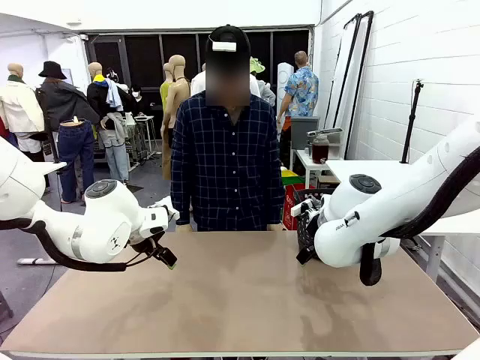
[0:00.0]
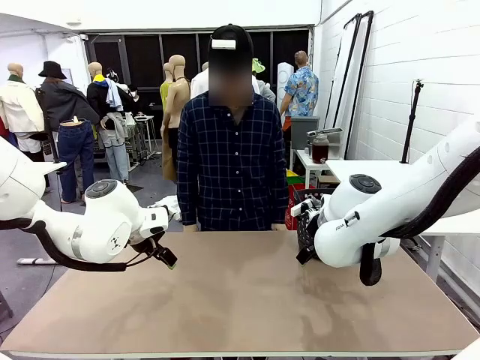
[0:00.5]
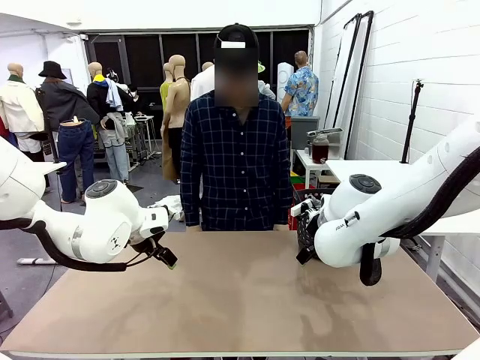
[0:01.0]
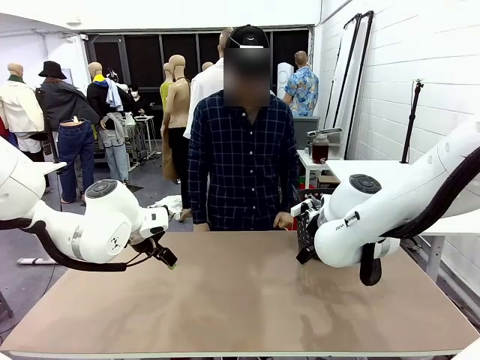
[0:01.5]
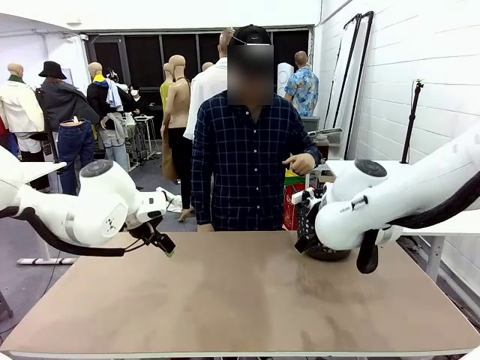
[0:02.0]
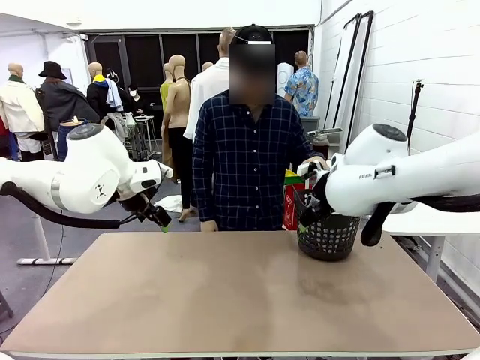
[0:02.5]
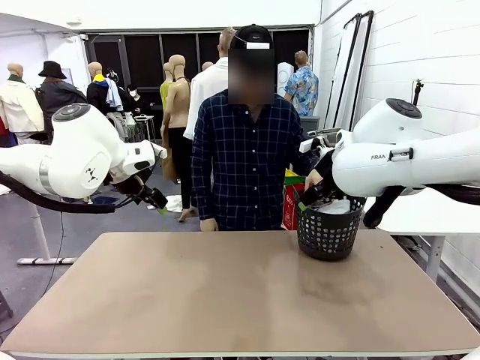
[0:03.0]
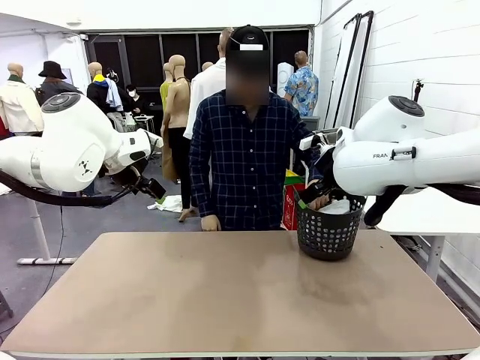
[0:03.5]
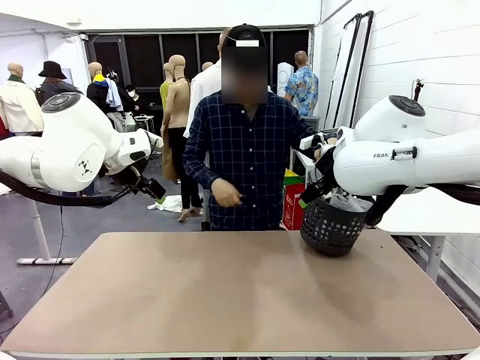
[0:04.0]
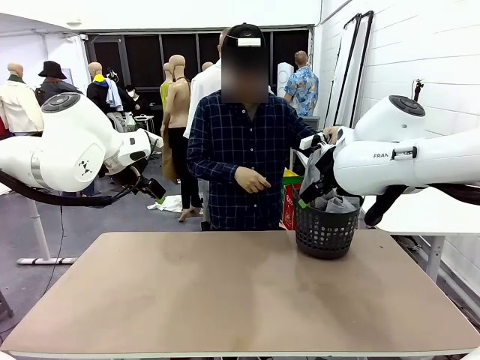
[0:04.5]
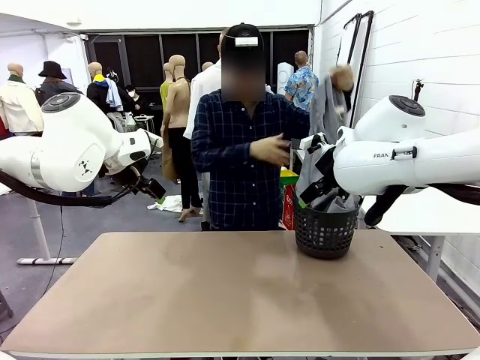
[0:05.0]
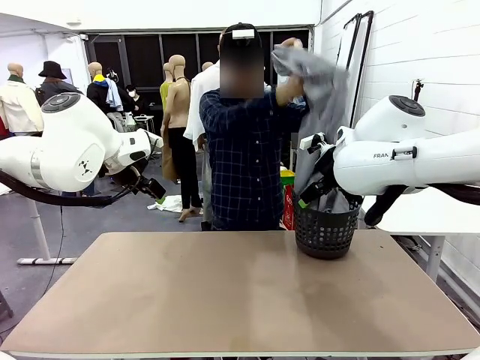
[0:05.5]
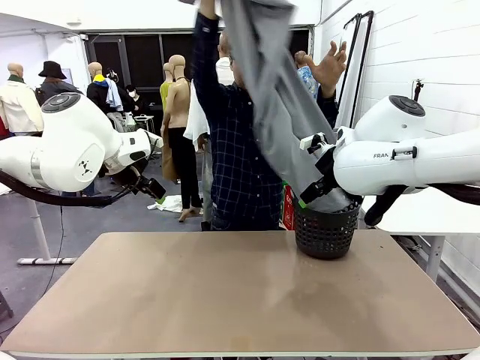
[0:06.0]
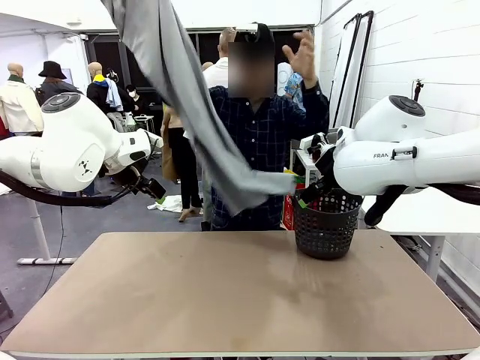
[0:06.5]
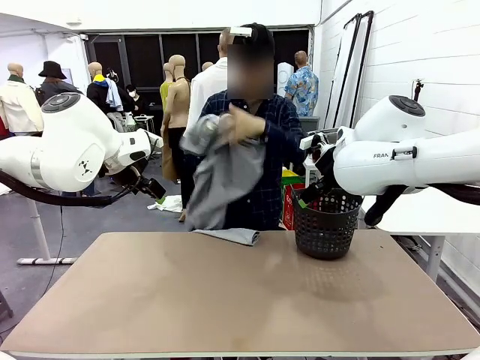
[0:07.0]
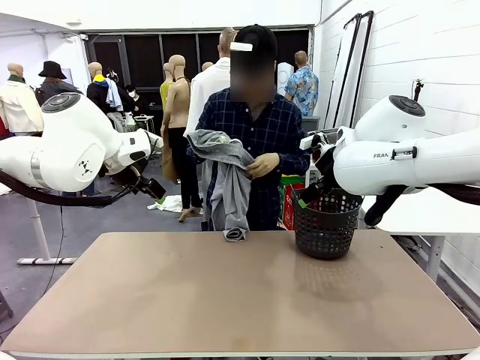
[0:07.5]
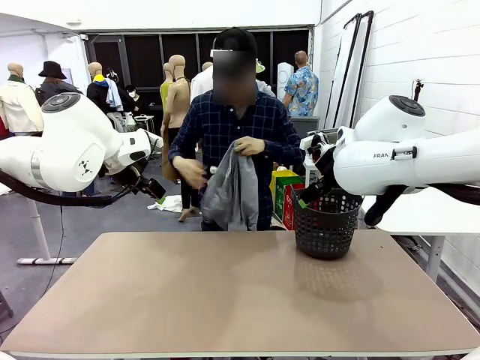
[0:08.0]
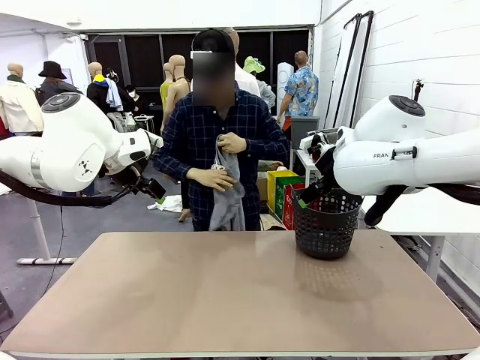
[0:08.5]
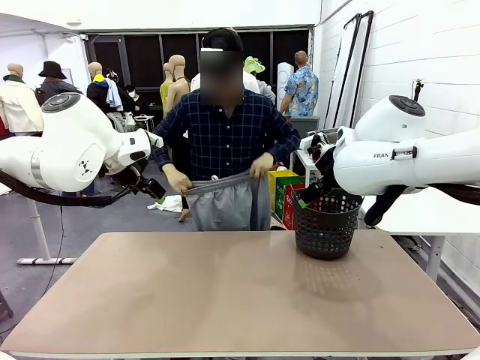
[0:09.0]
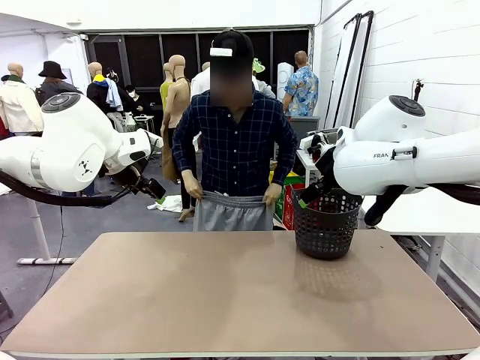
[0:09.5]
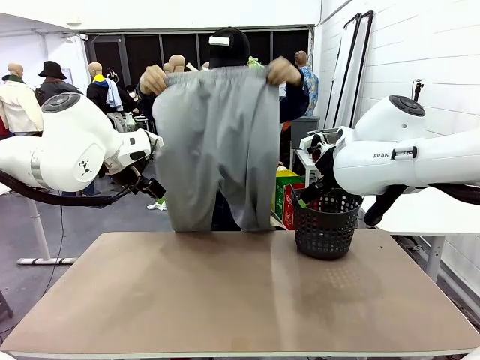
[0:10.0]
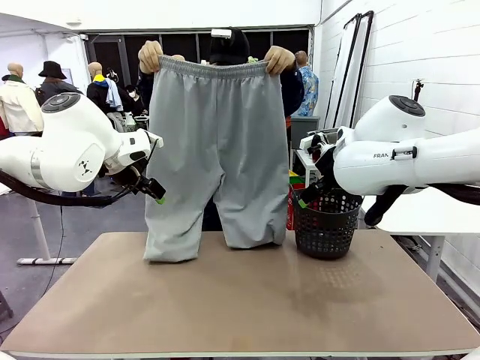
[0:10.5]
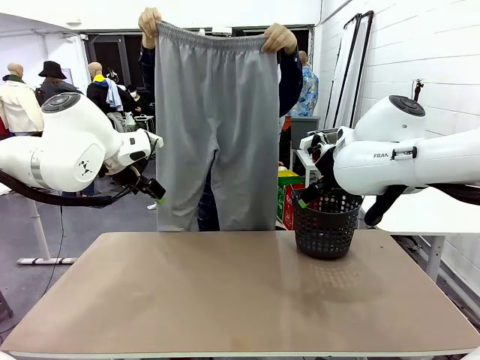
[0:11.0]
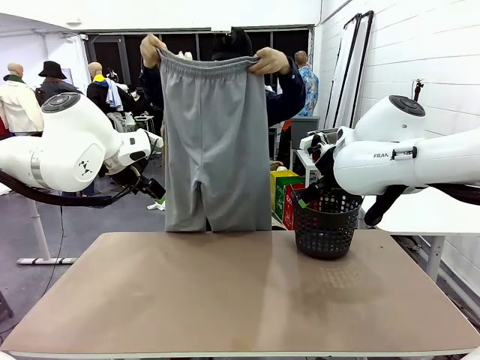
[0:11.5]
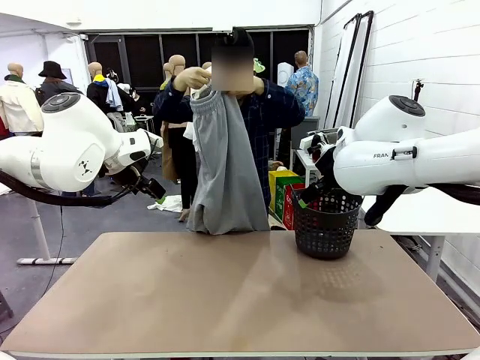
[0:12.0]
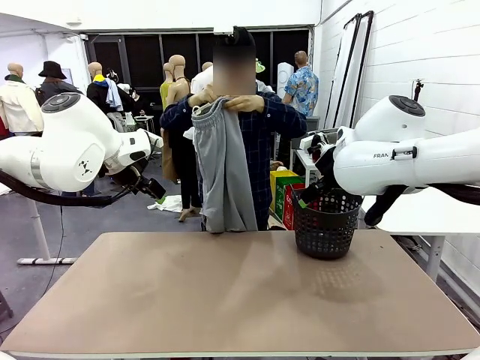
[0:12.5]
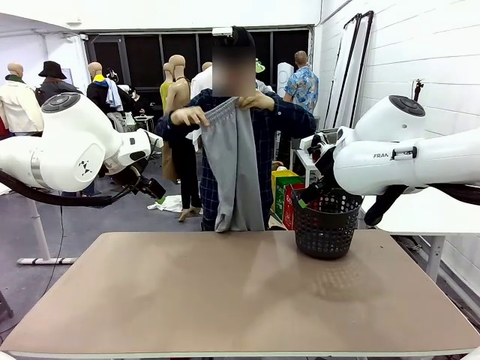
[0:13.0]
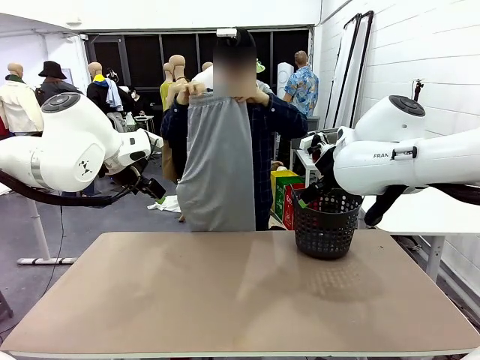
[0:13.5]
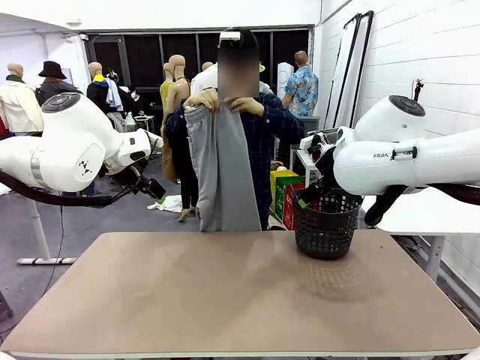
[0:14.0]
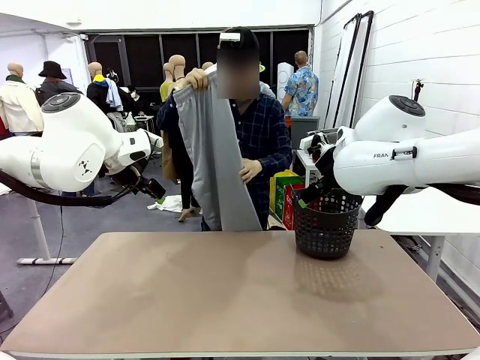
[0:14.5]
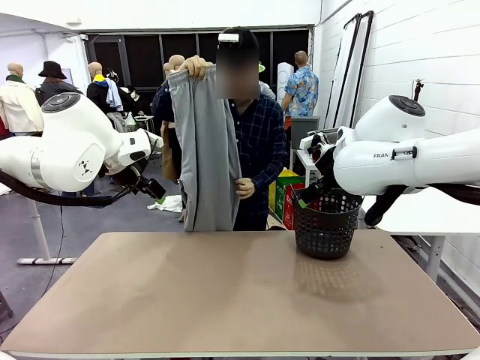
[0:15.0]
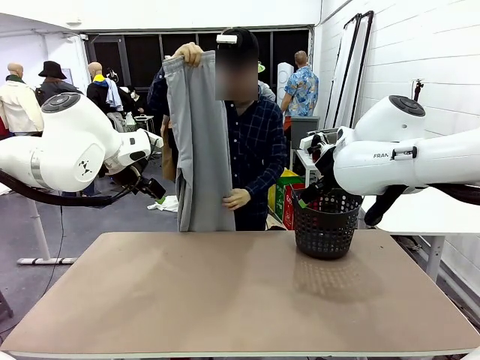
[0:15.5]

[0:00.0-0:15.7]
Task: Fold the training pants.
Robot: Grab both ends of the Training pants handed by a person.
Person: Take the long pants out of the laundry basket, unfold them, fold the waist in half, and extend them so the robot can pick up both corners.

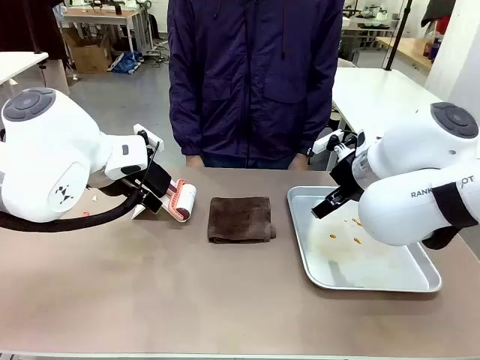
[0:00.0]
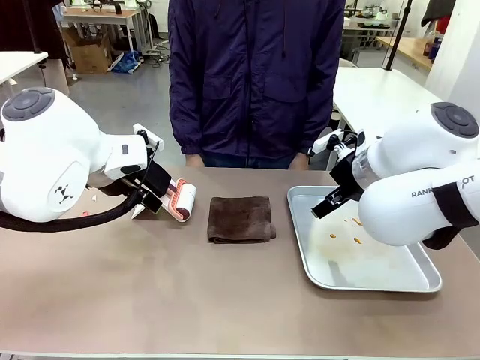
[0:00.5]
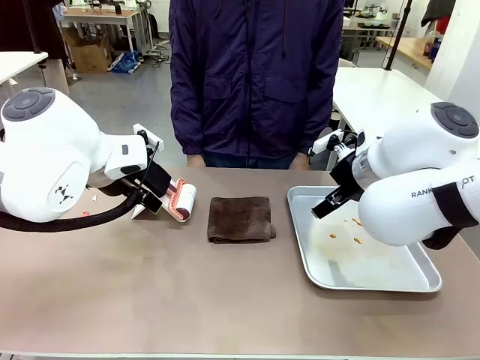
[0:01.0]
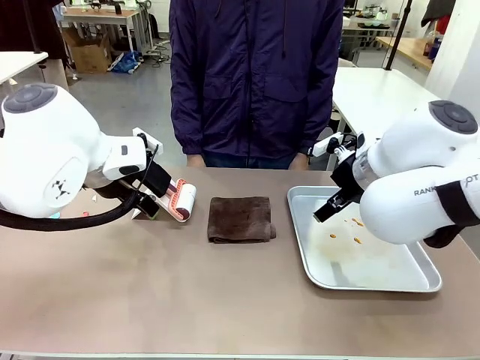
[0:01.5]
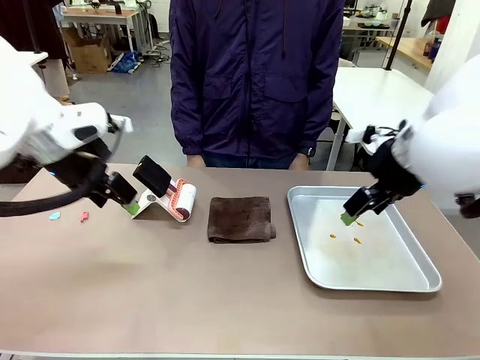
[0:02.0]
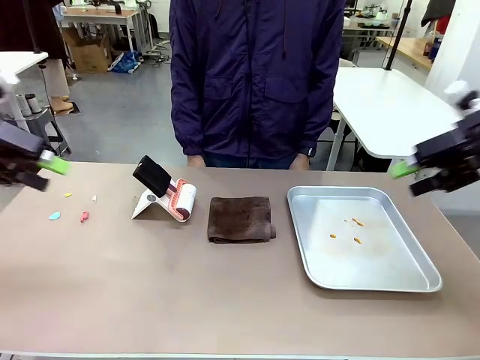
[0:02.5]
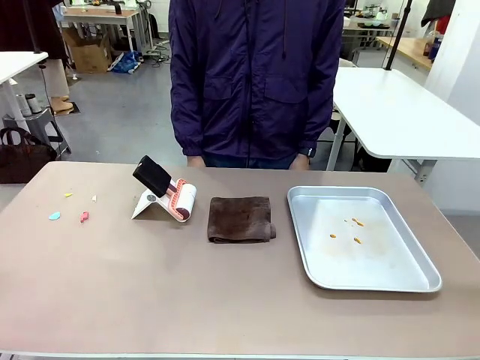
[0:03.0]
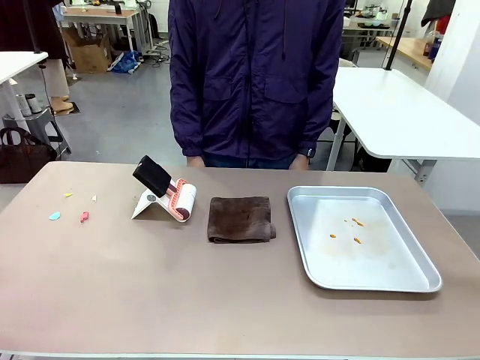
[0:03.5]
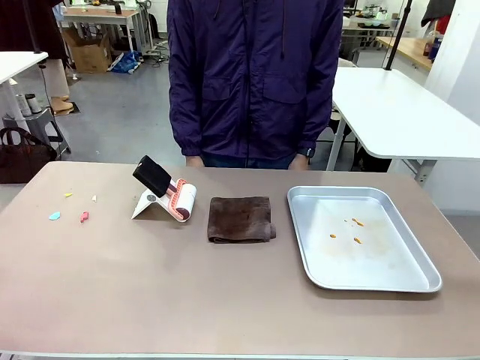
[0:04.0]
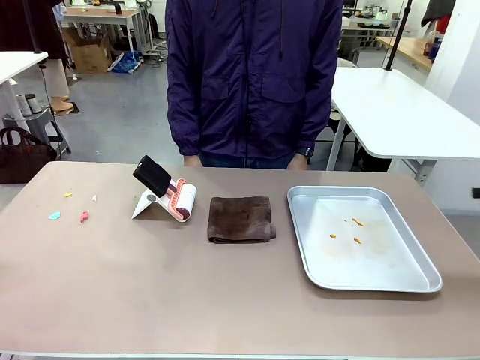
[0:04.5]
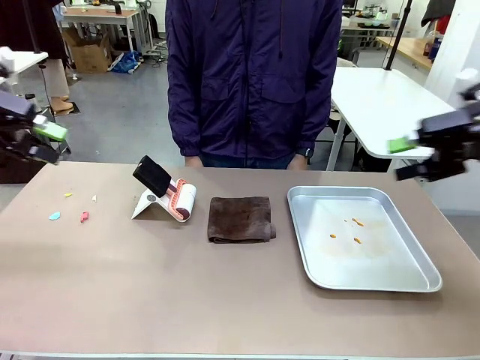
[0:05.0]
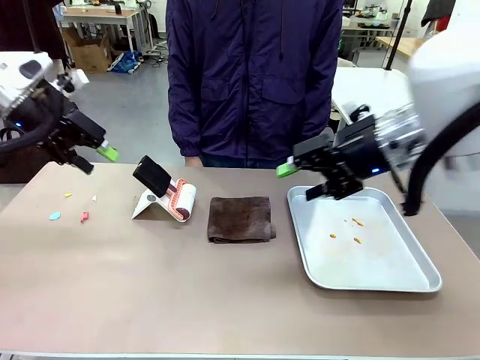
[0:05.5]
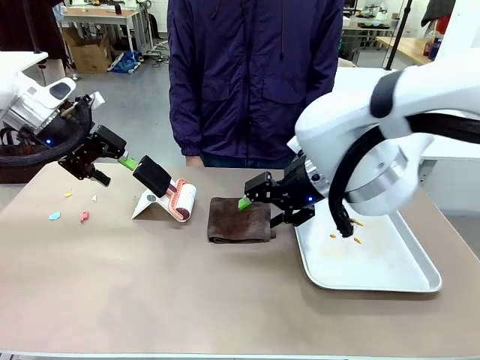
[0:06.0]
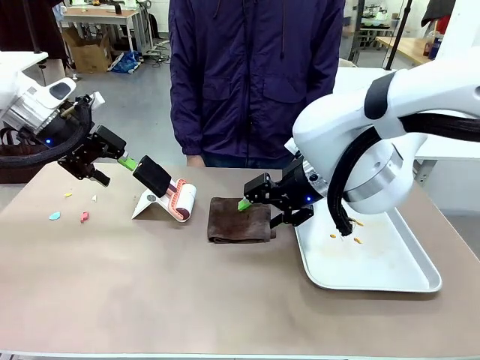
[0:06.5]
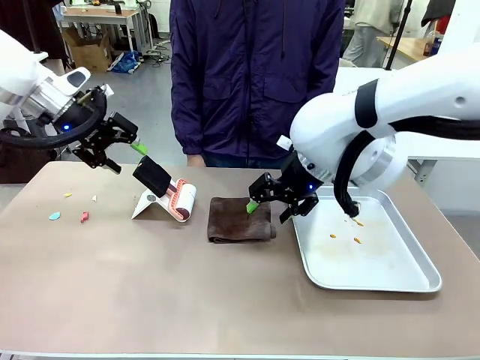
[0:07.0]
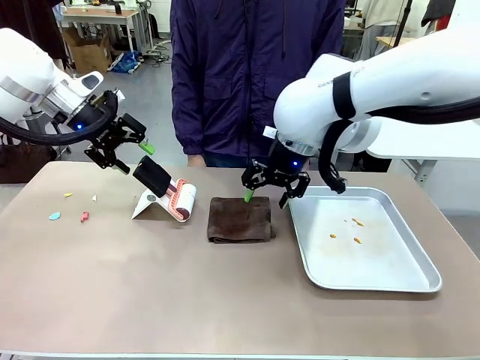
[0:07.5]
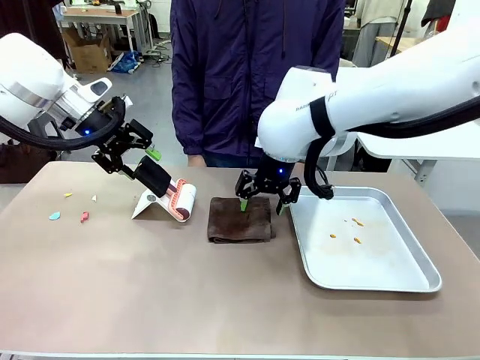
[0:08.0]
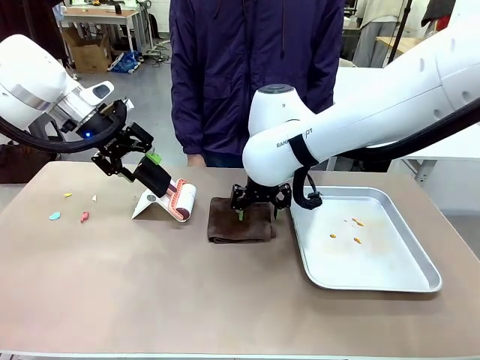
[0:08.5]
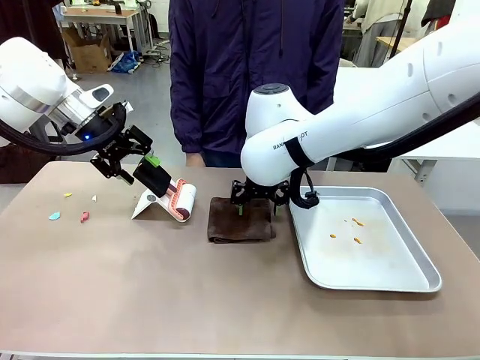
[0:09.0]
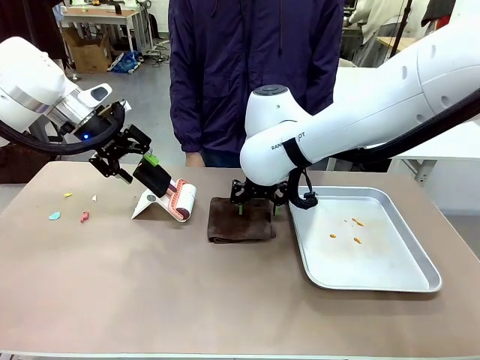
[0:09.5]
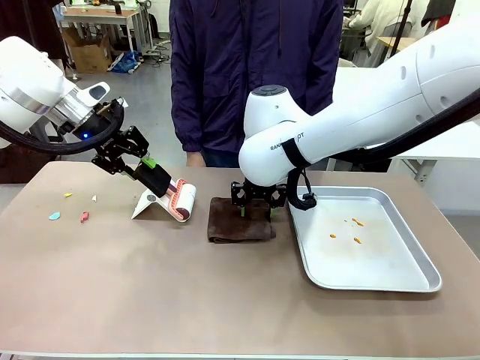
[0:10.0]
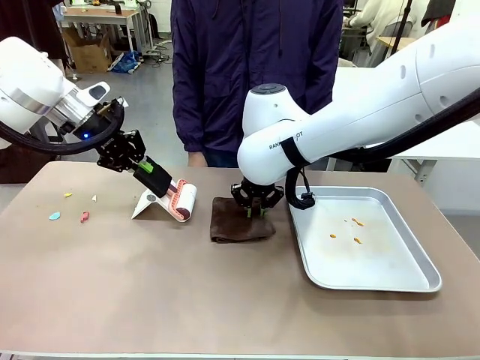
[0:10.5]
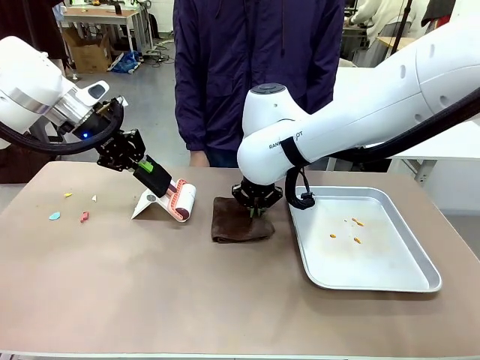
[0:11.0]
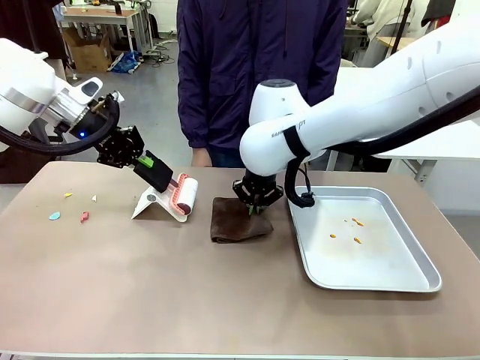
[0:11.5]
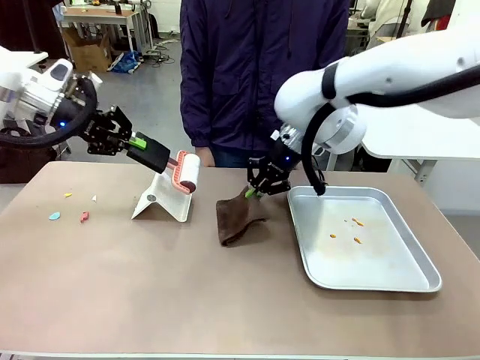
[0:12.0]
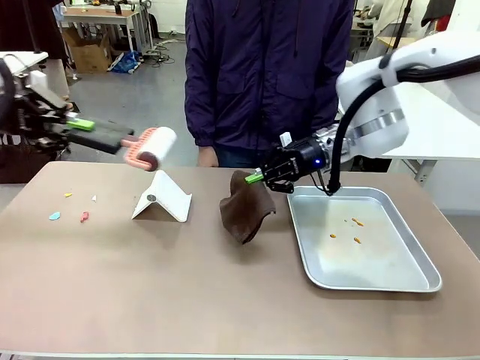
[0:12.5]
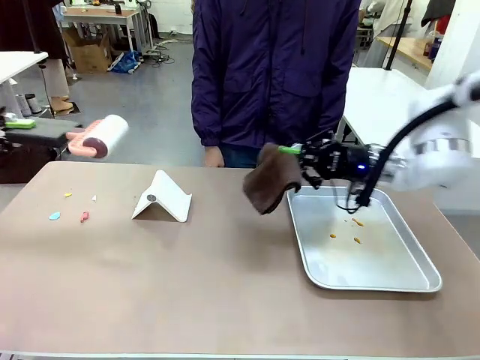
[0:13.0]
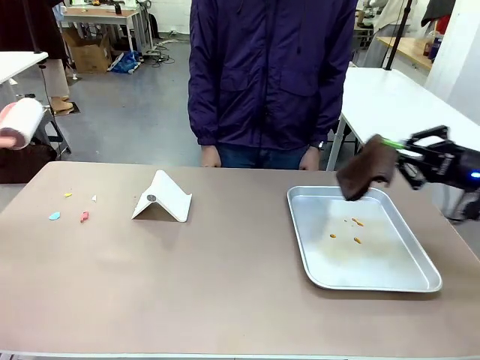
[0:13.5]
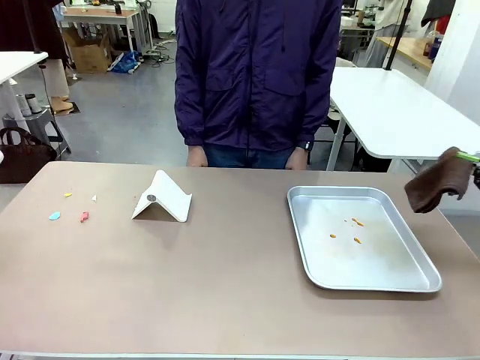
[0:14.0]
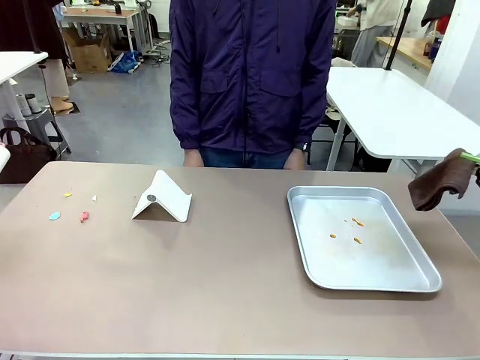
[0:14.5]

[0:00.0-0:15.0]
Task: Clean the surface of the table.
Robot: Hold the Lint Roller with your left hand and the towel with your right hand.
